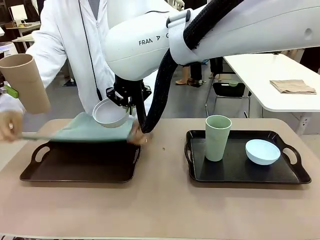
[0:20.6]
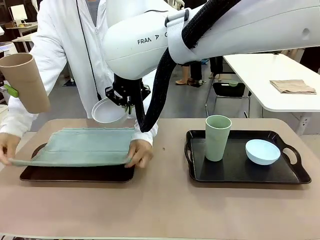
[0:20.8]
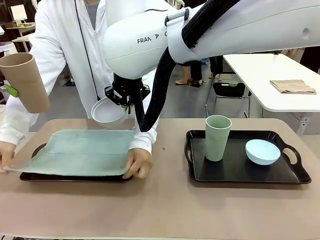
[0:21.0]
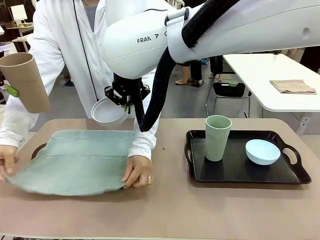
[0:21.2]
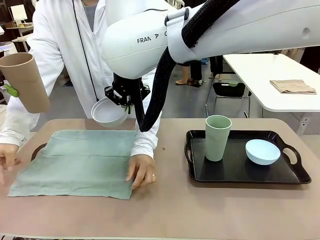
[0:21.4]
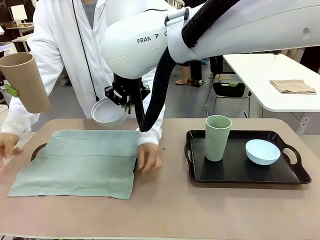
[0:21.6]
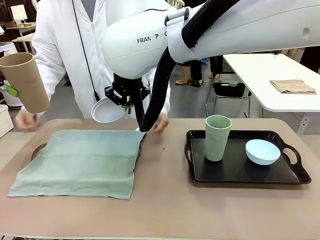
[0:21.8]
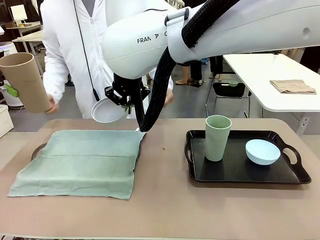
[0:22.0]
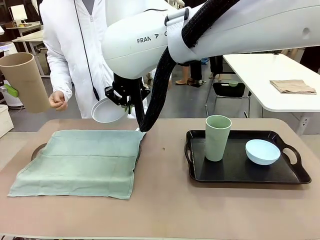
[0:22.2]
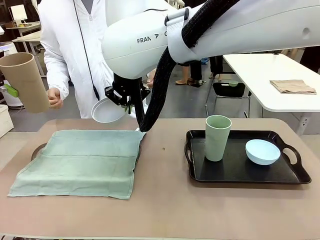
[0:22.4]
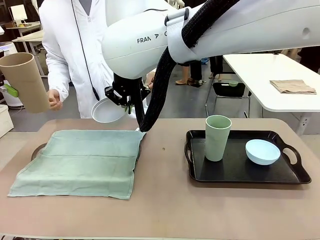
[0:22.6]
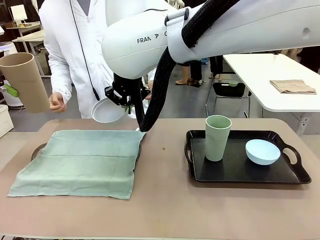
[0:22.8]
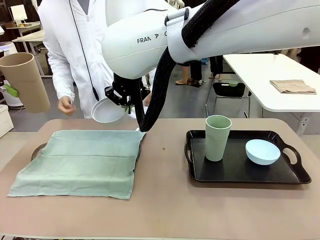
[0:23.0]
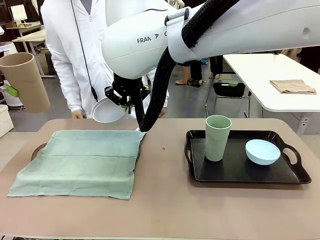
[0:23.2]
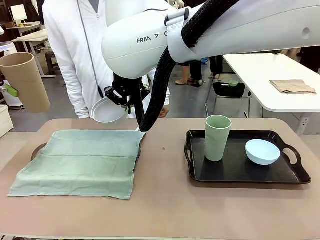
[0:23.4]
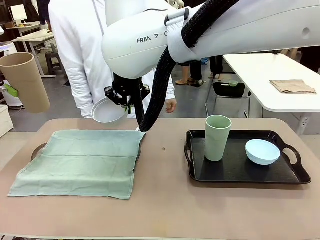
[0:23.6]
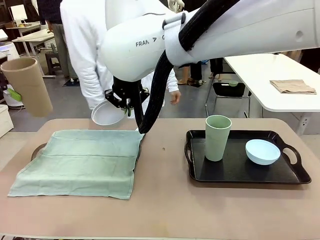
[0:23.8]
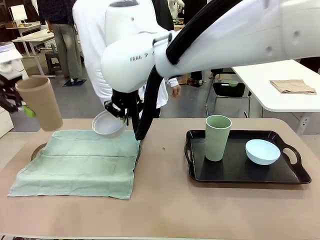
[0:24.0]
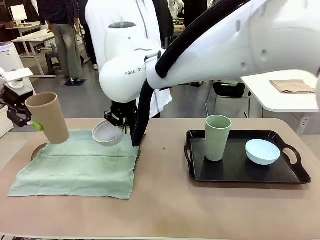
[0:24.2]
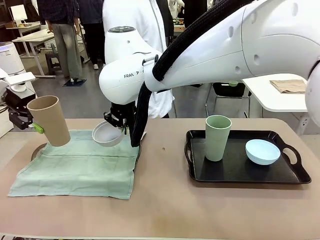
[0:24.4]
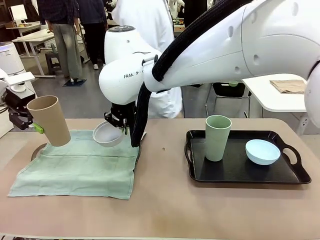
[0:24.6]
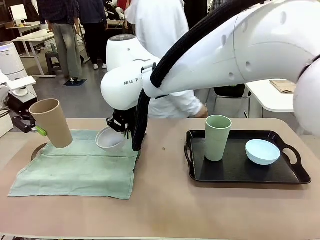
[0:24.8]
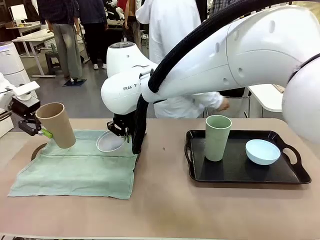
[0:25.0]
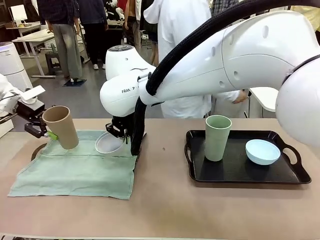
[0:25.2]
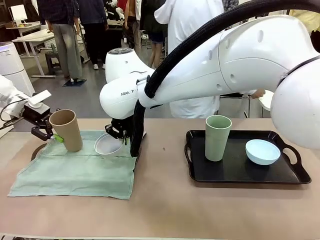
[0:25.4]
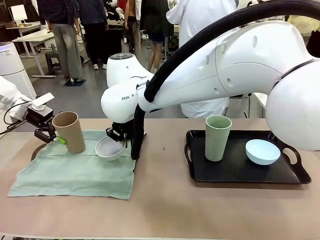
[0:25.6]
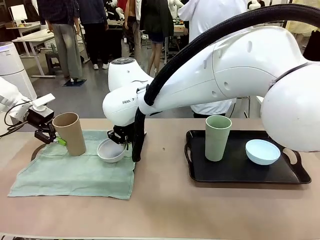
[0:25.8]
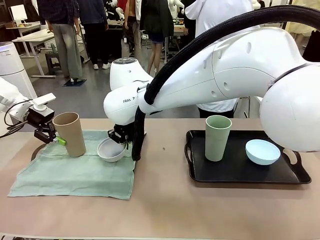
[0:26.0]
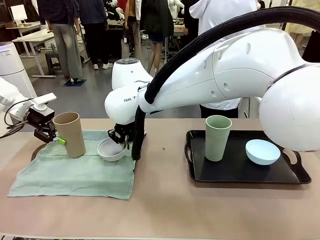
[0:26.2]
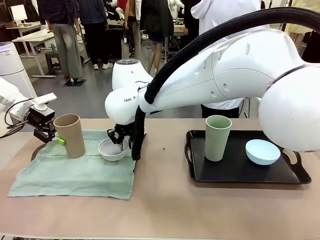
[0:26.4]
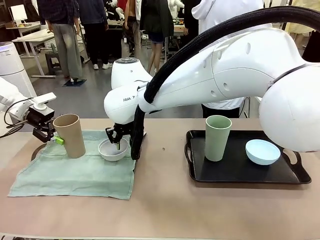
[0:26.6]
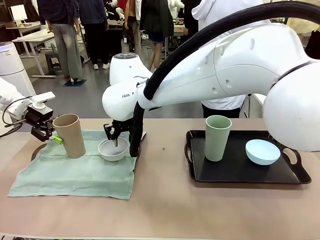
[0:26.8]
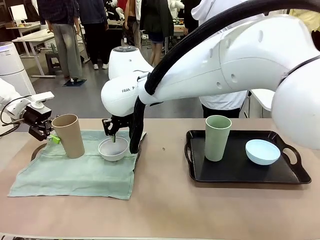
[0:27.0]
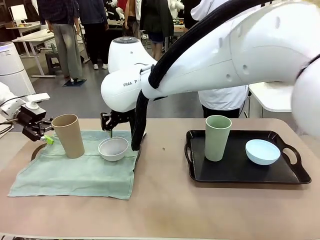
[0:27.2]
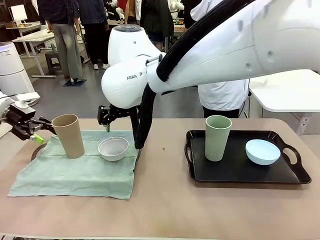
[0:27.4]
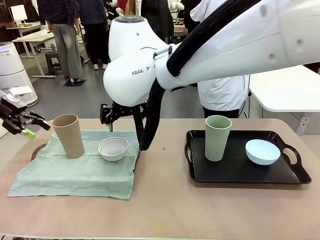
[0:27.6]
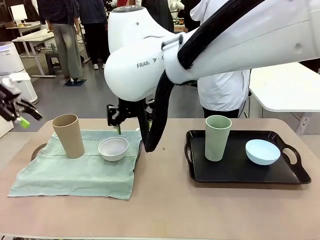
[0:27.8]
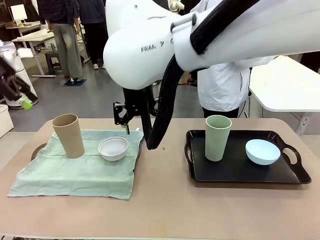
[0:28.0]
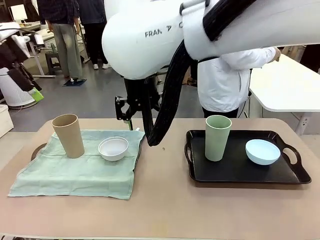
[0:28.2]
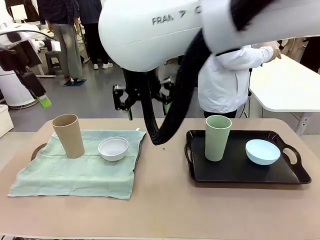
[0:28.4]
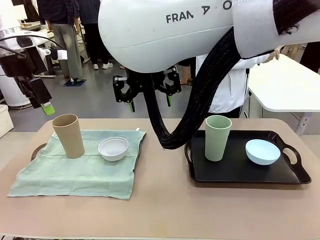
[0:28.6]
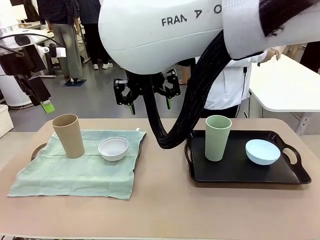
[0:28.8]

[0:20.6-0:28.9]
Robot: Place the Picnic Bowl and Reusable plastic cup back onto the Handle tray in front of the human's position.
Person: The human returns to the human table to pick up another napkin and walks to the robot table to stand in front of the tray without a napkin.

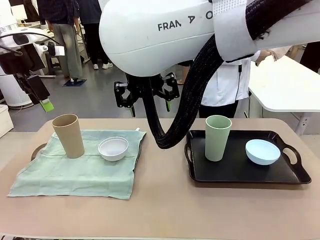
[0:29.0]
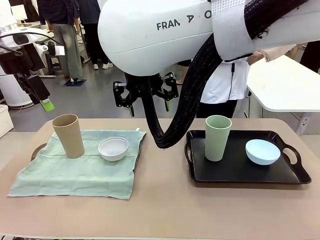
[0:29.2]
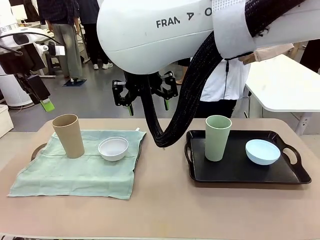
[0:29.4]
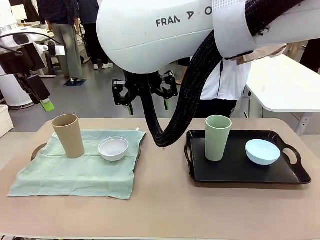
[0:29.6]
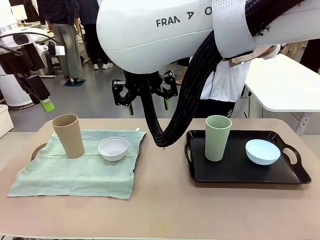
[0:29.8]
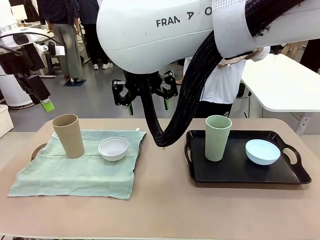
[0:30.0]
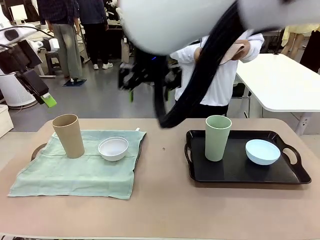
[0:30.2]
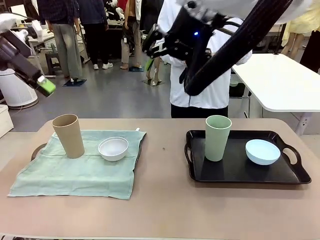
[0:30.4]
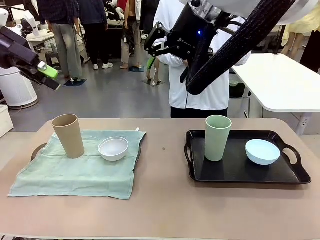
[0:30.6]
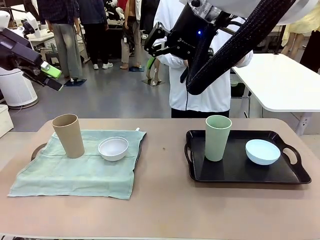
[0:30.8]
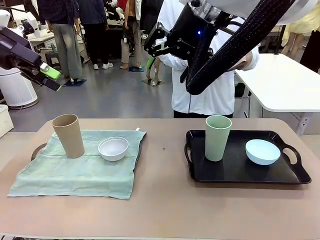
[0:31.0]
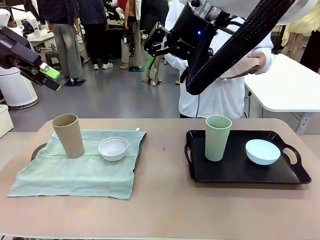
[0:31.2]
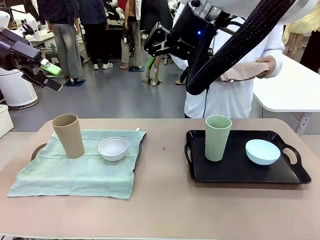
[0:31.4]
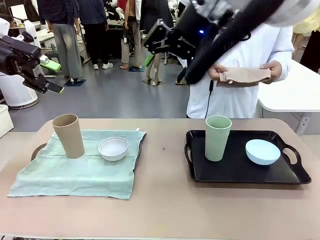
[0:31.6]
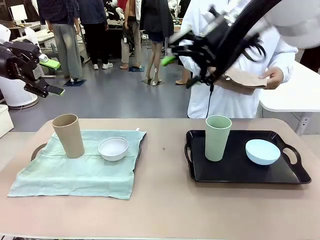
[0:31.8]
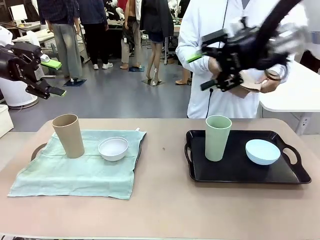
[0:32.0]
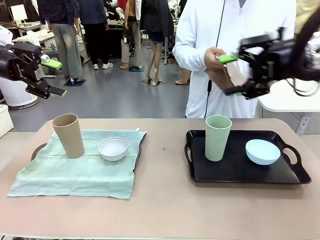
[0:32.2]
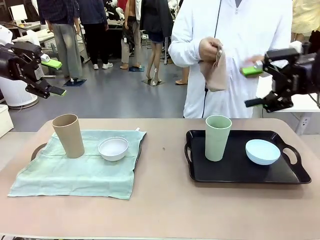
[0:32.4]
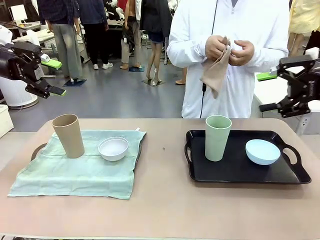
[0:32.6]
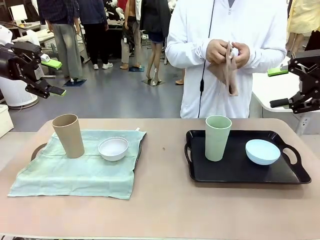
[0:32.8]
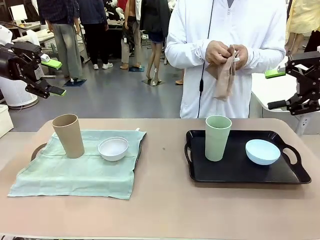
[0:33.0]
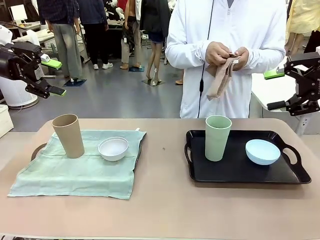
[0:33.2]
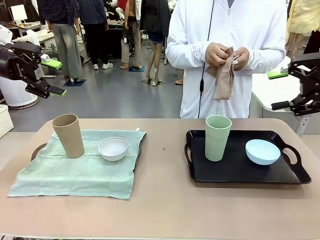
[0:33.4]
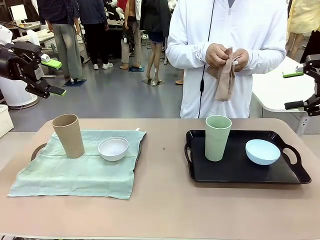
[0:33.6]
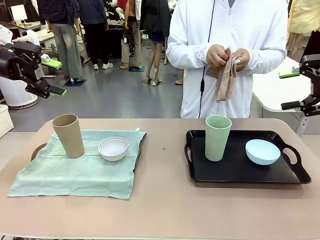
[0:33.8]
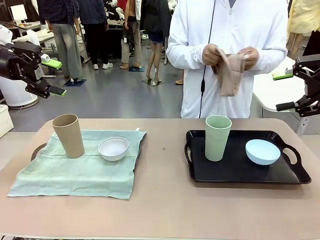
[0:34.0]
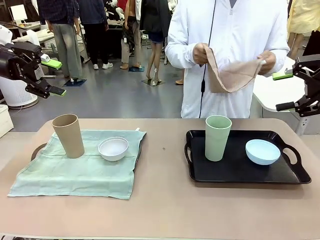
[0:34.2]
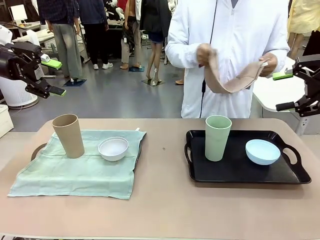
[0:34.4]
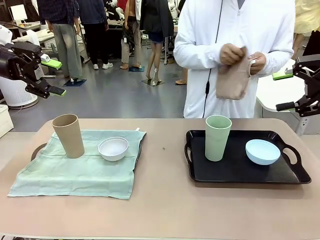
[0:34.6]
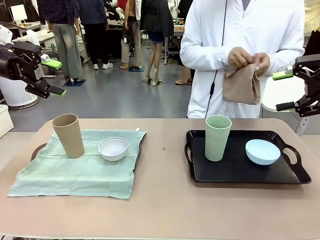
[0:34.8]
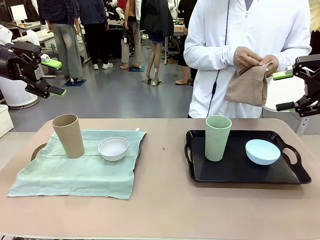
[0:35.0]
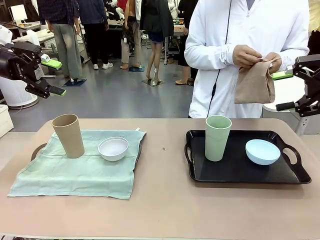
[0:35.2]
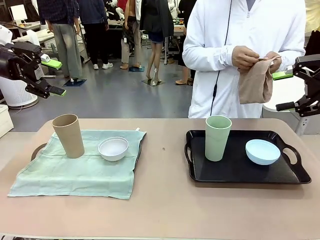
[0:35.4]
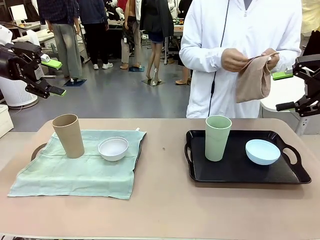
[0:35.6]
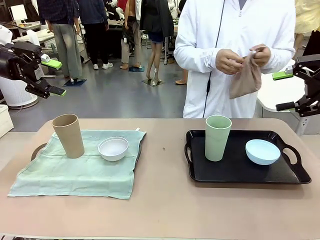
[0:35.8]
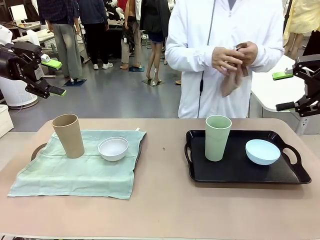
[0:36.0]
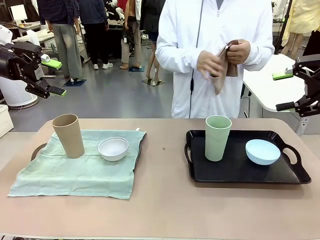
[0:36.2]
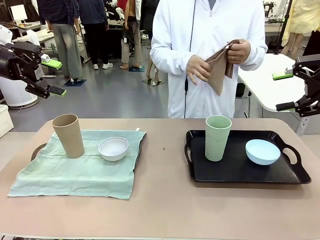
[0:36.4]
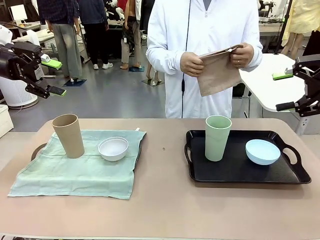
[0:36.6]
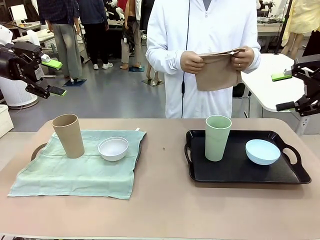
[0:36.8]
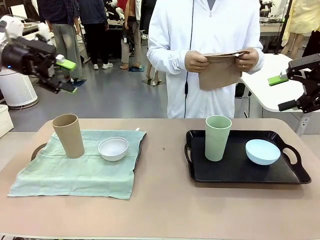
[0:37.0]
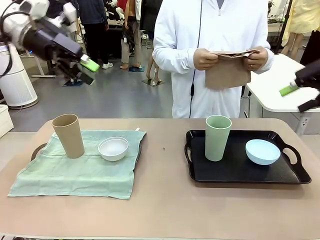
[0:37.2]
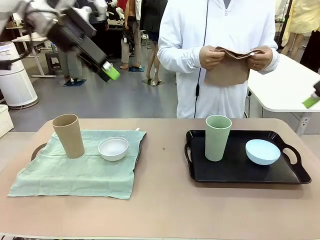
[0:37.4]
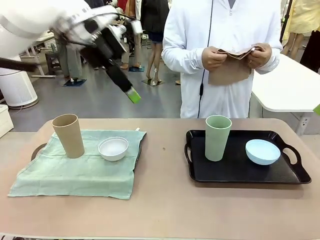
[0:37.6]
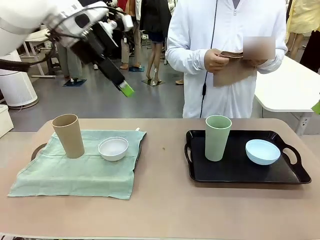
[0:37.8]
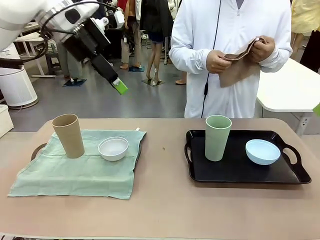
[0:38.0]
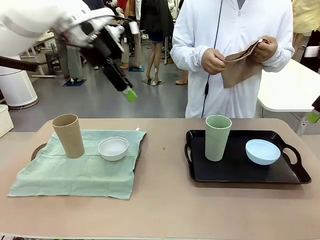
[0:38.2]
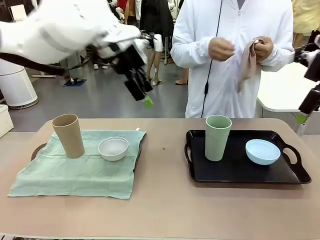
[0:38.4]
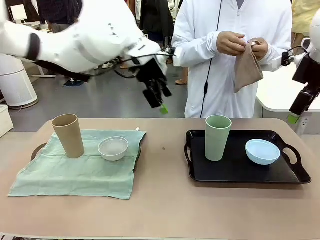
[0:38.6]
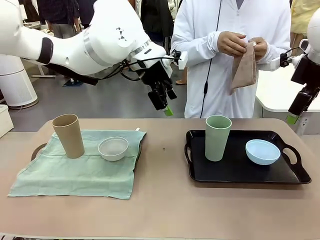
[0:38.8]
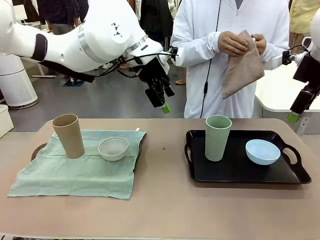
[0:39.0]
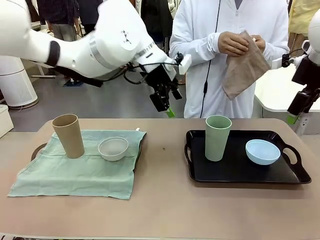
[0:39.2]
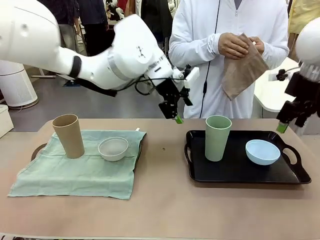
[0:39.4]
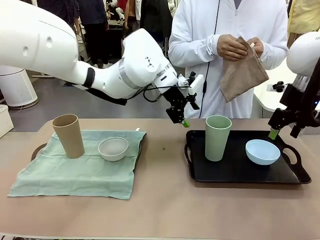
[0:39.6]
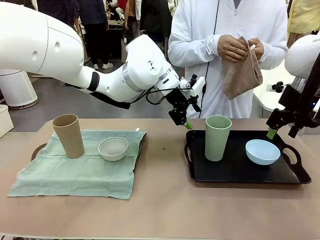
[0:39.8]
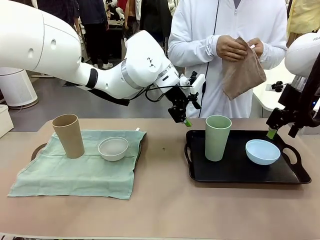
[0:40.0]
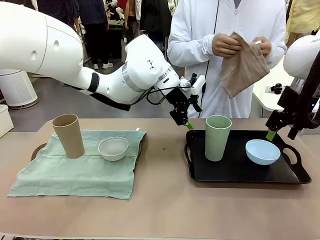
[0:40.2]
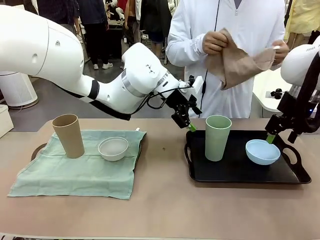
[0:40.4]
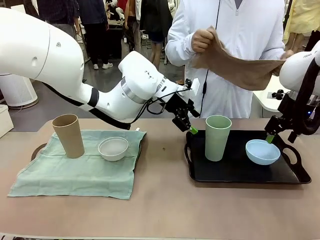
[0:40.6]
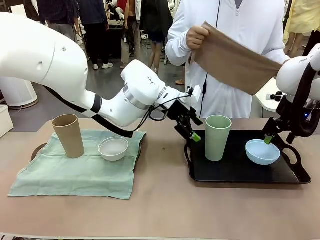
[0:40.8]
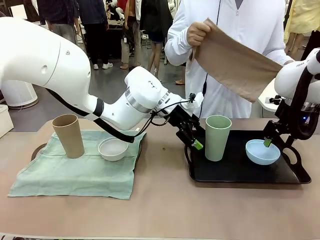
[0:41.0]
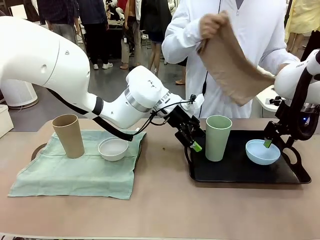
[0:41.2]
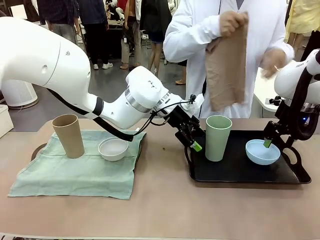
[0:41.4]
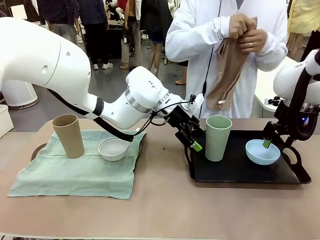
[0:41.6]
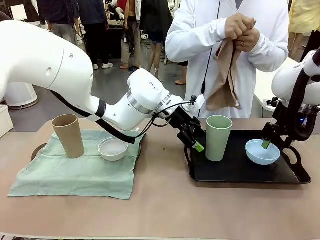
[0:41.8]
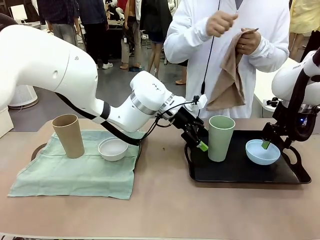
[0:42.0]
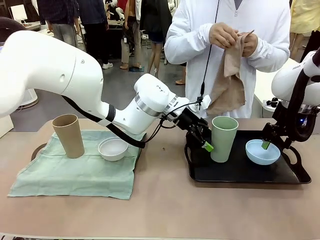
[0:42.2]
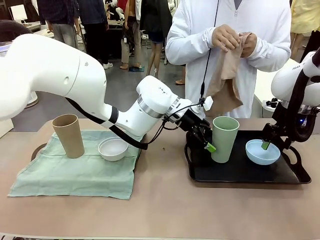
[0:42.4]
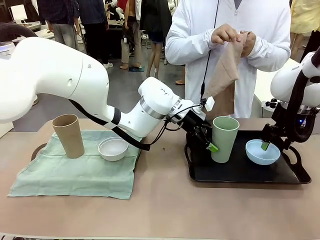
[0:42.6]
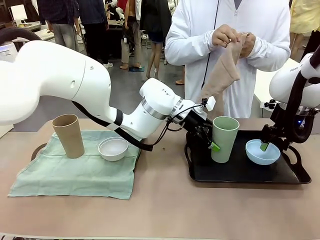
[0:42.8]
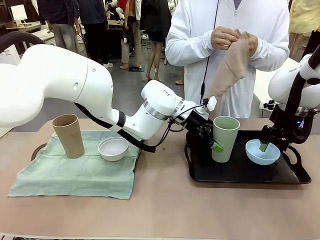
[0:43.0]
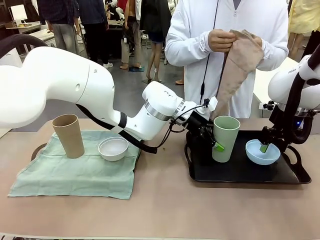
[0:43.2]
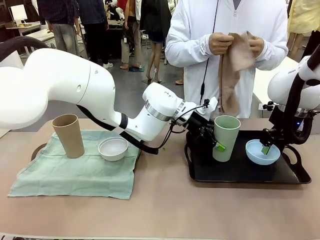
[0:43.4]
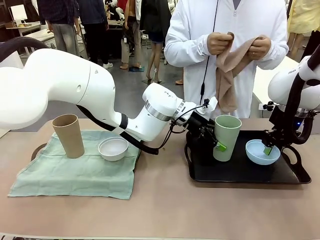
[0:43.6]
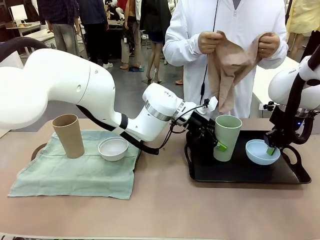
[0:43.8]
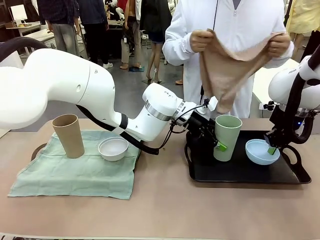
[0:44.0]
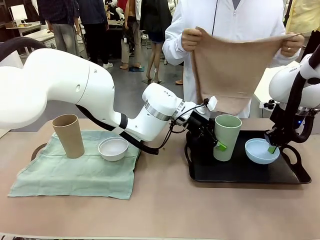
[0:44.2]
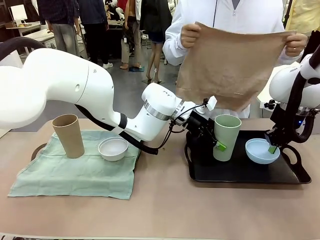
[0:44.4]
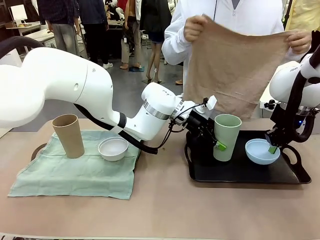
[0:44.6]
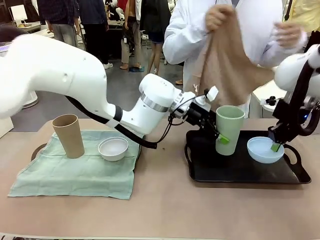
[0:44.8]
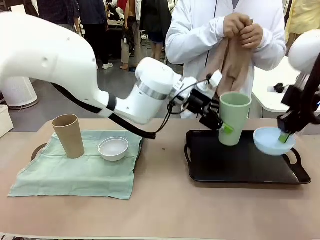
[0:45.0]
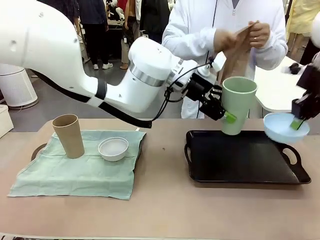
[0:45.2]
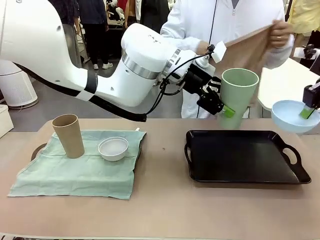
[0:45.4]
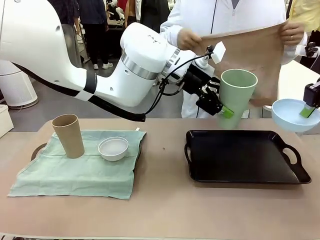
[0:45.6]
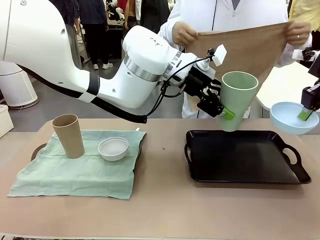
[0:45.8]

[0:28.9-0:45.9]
Robot: Pick up the Picnic Bowl and Reusable plastic cup from the Handle tray in front of the human's position and hold them in the air.
Person: When the robot lifts the bowl and the cup, the human unfolds the napkin and lays the napkin flat on the tray.
